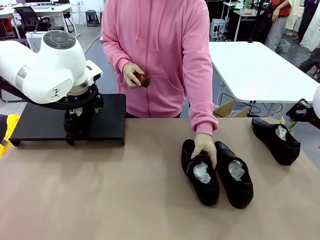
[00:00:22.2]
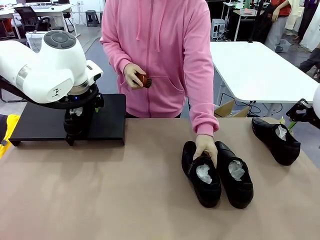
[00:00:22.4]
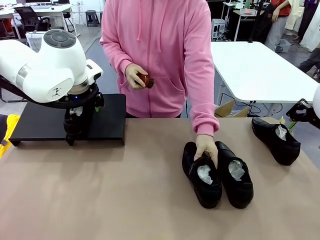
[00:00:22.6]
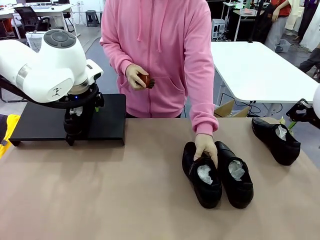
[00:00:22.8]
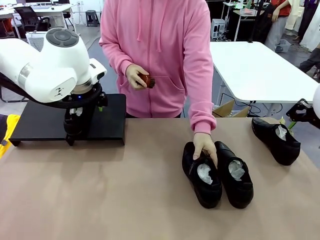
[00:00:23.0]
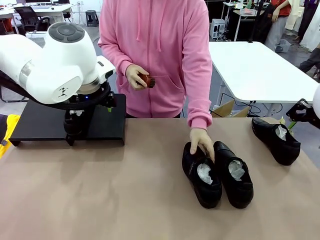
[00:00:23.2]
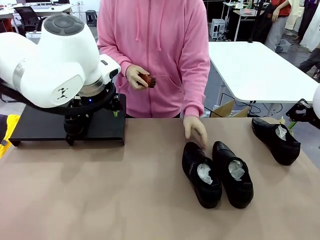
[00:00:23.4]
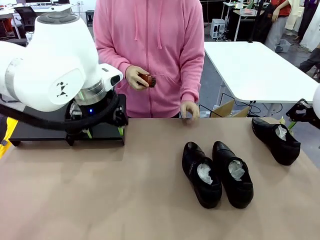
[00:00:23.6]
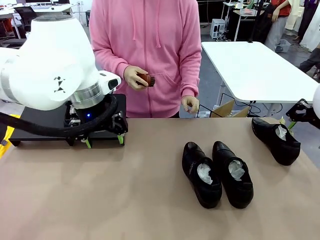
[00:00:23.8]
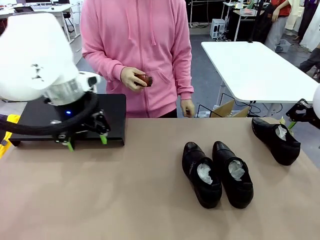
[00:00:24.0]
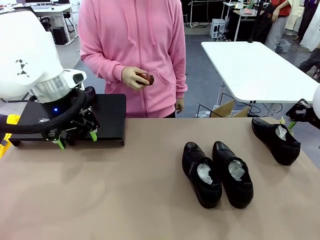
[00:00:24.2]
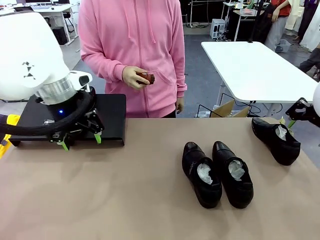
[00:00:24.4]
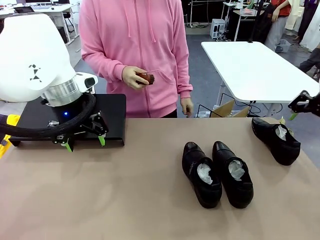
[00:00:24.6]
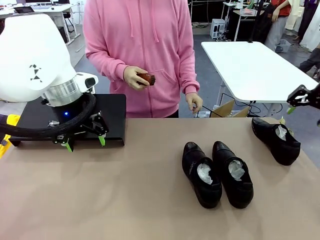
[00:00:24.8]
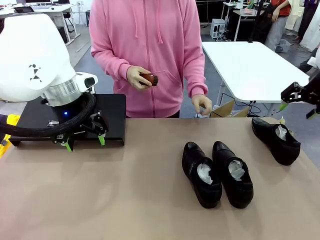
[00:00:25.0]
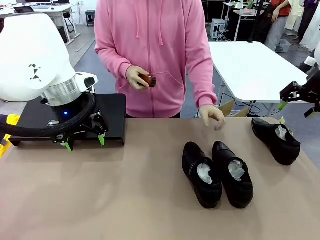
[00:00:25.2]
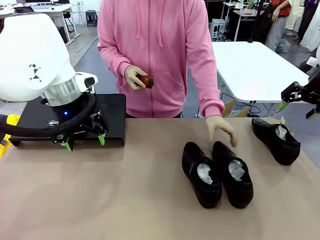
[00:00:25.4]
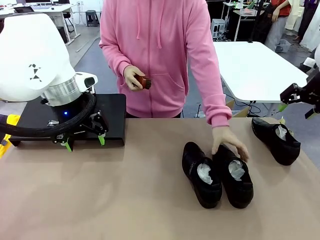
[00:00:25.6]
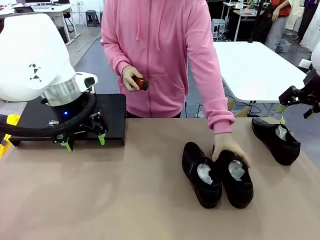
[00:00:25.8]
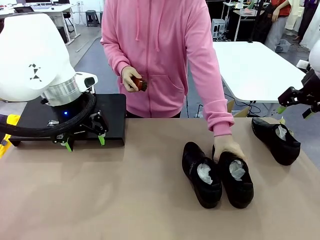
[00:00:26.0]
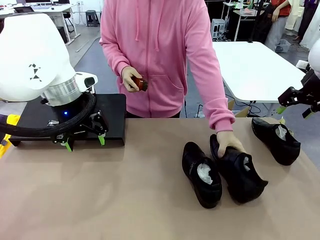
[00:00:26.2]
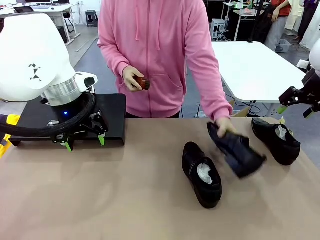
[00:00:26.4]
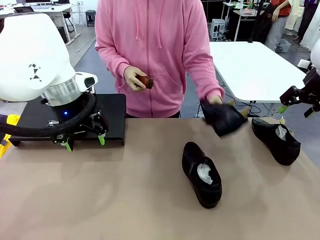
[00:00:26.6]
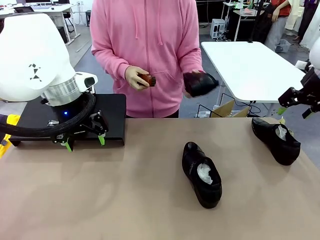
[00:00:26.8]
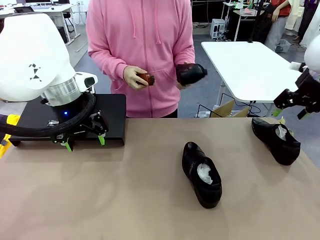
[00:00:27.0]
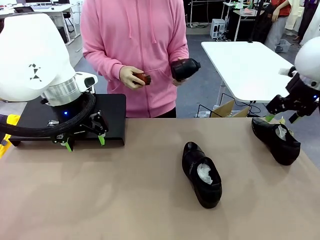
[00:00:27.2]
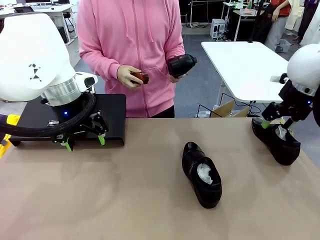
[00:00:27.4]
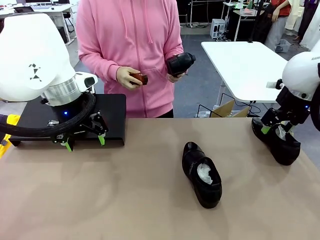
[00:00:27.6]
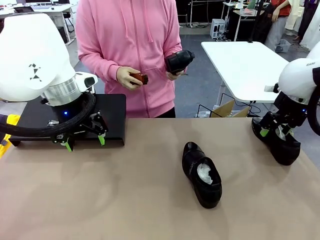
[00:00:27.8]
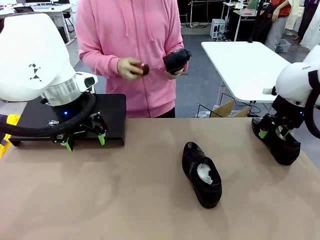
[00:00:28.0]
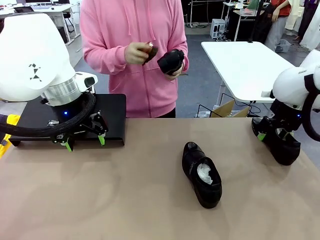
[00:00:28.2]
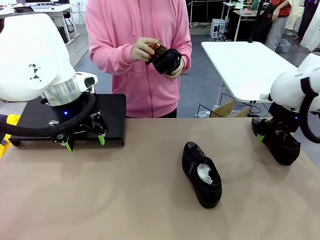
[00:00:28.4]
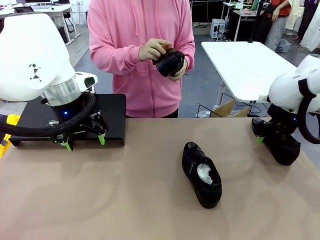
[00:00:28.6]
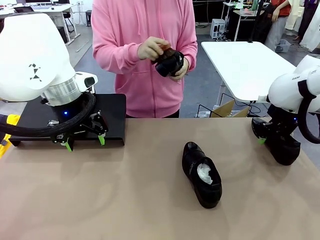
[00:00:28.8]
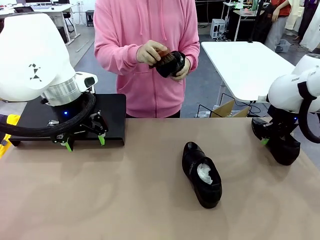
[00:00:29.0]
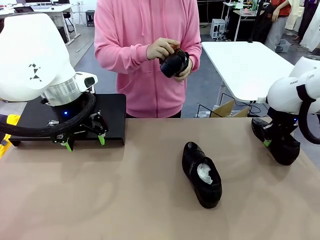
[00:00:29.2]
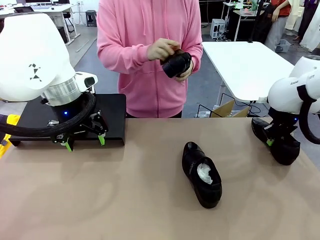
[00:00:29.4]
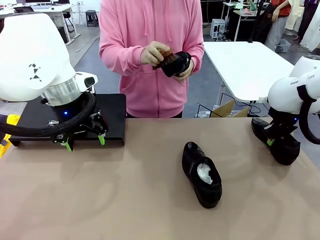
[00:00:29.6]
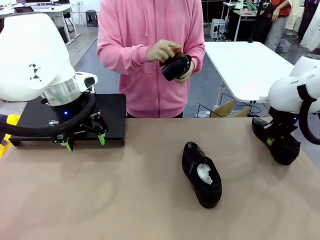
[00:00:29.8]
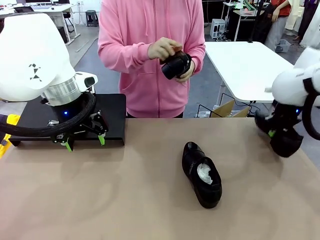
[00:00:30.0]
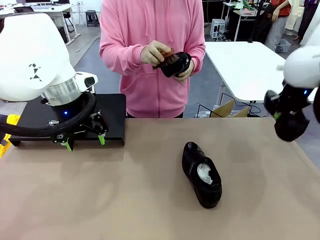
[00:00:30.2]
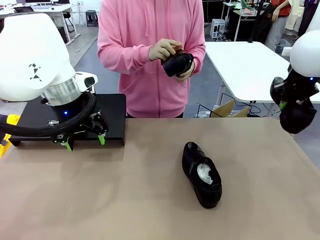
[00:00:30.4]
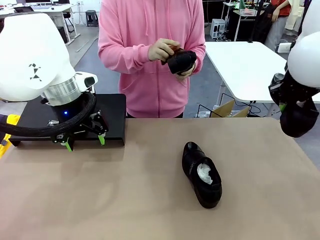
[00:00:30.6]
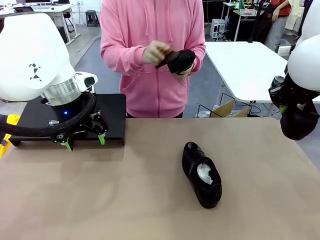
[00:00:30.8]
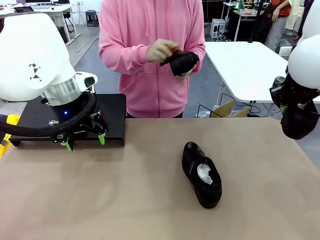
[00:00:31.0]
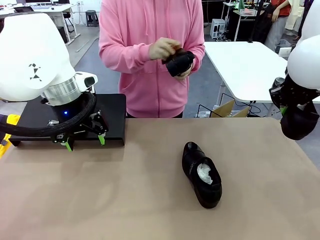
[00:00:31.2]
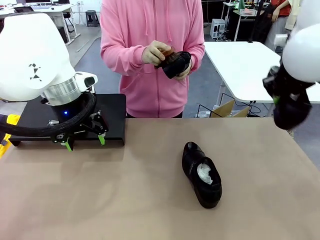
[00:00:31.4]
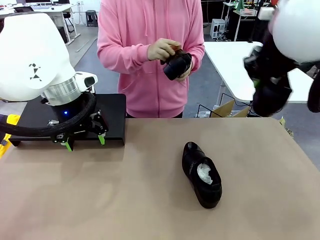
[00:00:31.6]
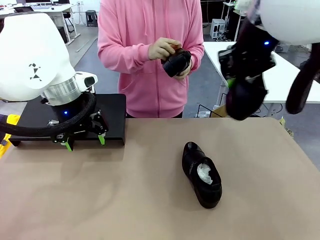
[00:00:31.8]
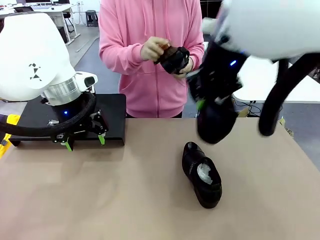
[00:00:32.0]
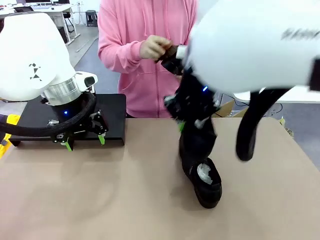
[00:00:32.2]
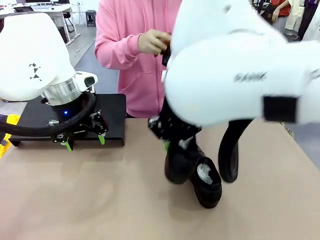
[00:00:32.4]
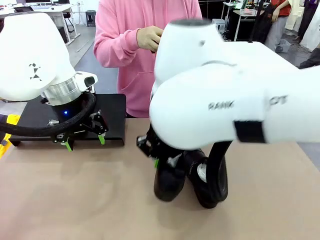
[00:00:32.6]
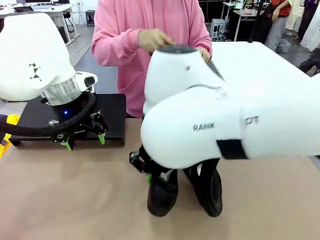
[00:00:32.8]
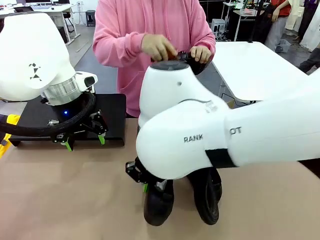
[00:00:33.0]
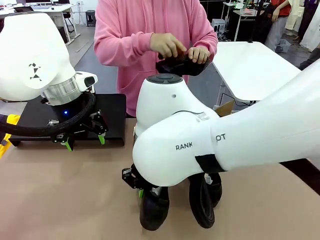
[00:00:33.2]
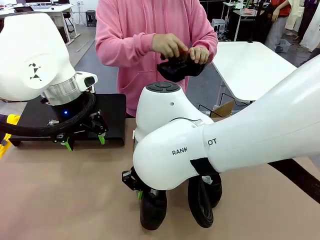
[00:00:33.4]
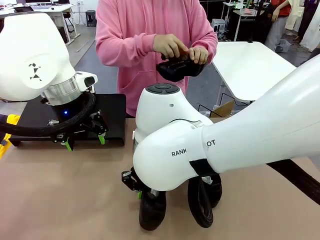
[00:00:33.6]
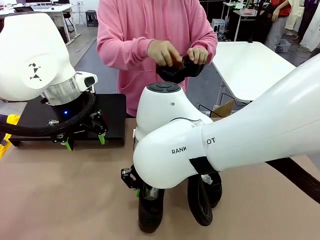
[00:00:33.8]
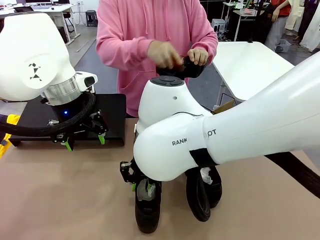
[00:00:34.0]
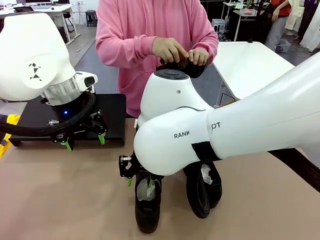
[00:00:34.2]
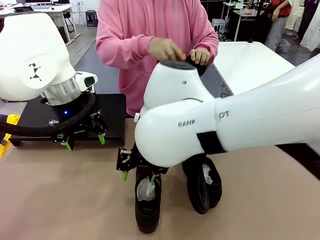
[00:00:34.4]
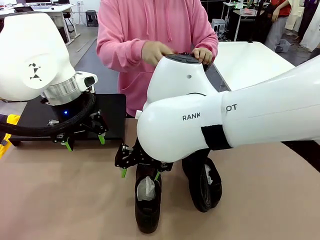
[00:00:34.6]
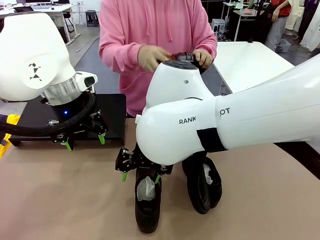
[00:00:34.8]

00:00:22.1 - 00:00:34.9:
Task: Organize the shoes by placing them on the stand.
Robot: Pick up one Shoe and place it in the middle of the table.
Person: Place the Shoe on left side of the Robot's table. Pick one Shoe on Robot's table.

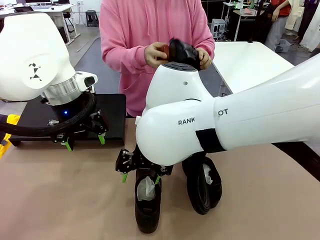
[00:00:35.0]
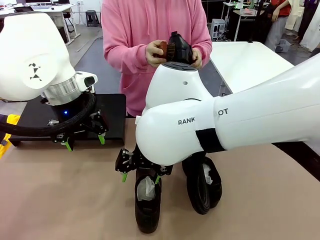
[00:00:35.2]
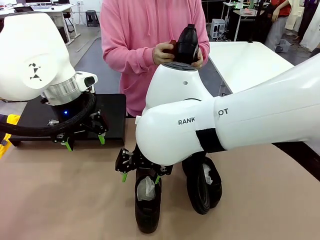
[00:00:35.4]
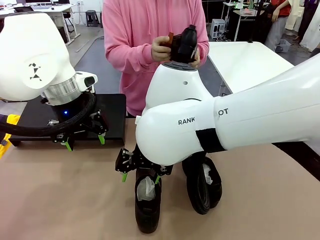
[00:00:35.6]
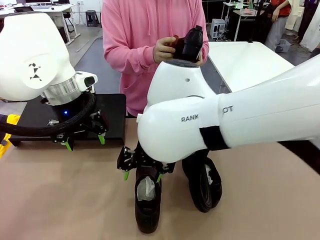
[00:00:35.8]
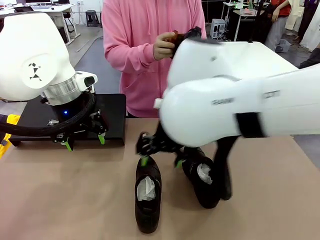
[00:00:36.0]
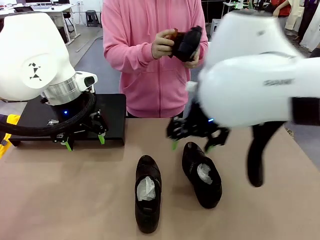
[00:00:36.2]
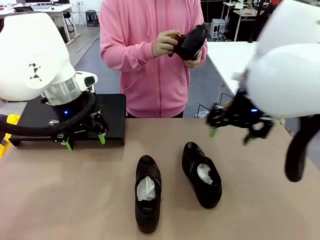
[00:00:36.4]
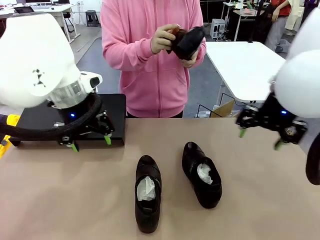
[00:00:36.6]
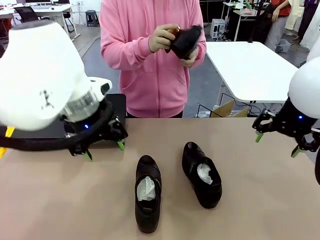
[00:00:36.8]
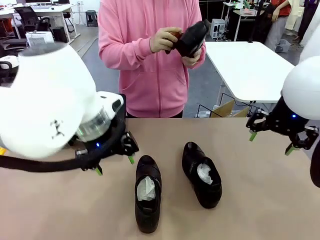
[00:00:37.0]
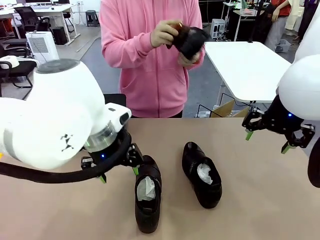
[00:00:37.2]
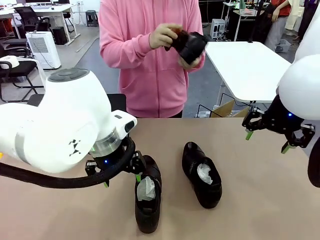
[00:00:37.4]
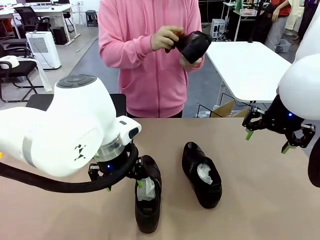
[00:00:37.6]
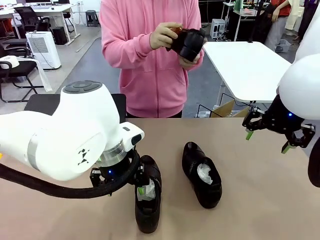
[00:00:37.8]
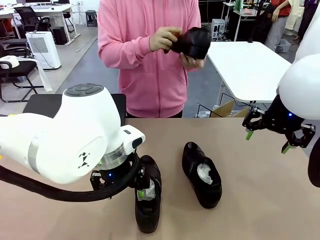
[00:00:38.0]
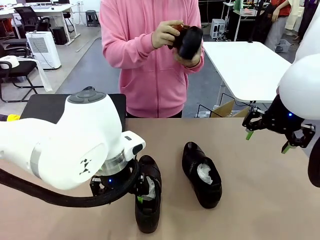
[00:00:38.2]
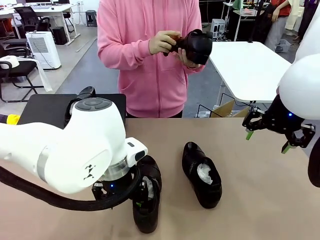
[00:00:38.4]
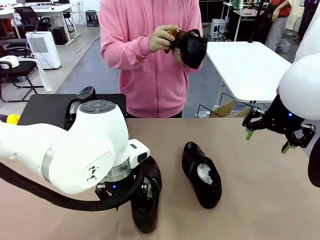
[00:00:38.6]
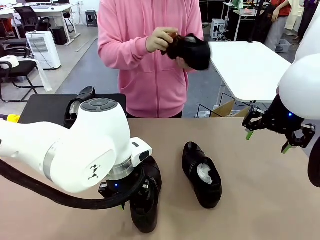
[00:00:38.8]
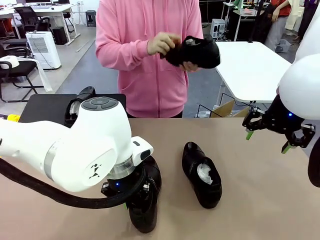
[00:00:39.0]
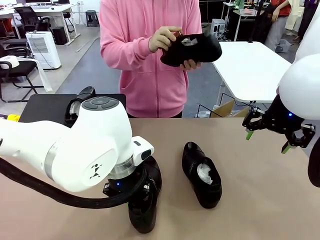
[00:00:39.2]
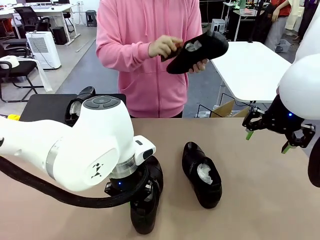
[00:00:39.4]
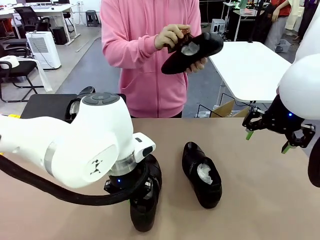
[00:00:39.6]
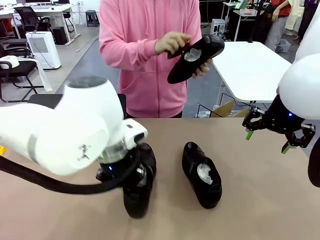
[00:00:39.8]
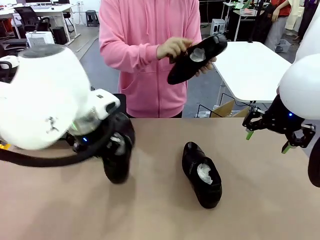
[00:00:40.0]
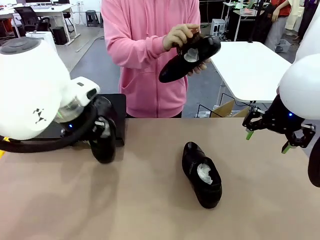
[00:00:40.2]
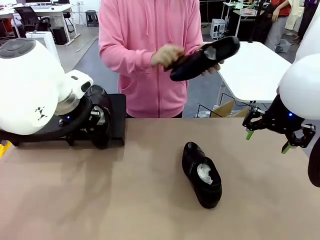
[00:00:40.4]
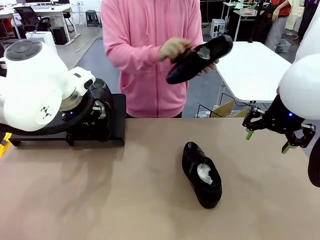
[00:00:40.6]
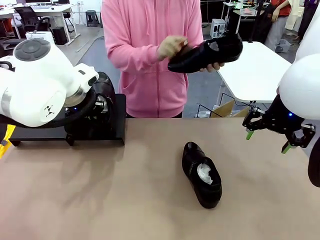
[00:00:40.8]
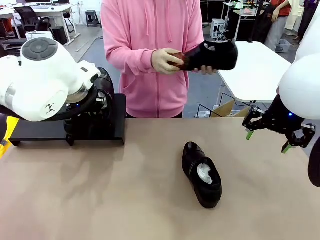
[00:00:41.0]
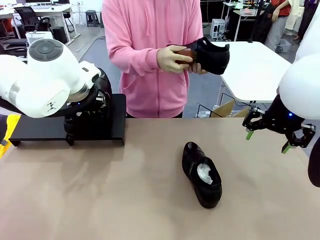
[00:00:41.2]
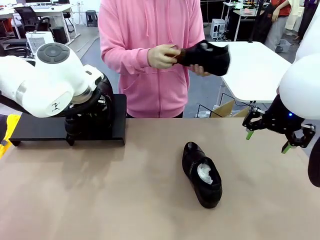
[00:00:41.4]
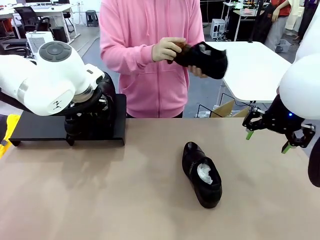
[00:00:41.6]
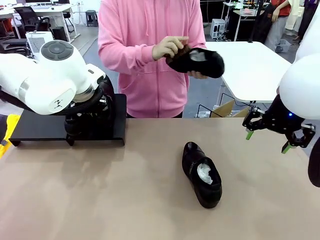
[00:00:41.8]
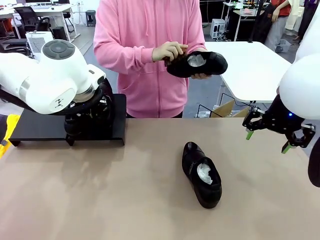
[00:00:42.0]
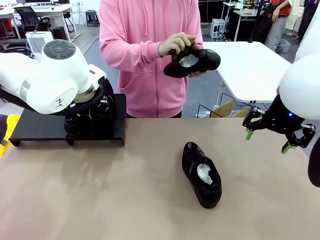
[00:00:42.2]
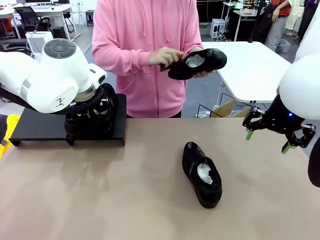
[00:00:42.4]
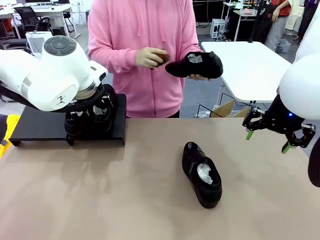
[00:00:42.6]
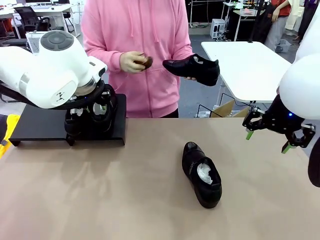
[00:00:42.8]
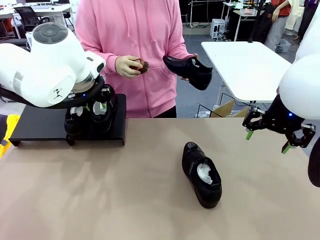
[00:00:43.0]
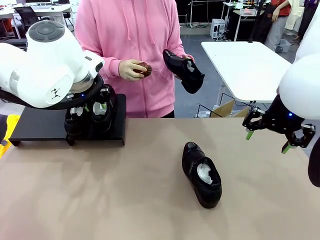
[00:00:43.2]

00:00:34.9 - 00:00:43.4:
Robot: Place the Shoe from the middle of the table onto the Shoes Stand.
Person: Clean the Shoe with the Shoe Brush.
